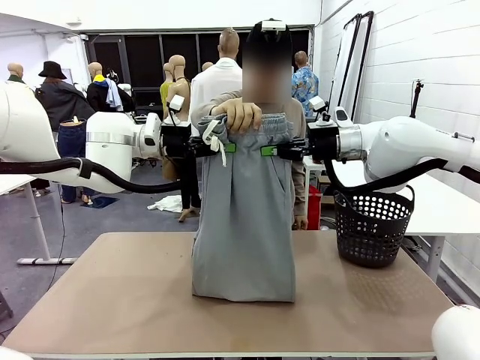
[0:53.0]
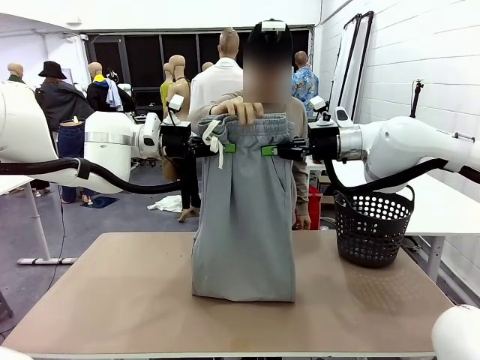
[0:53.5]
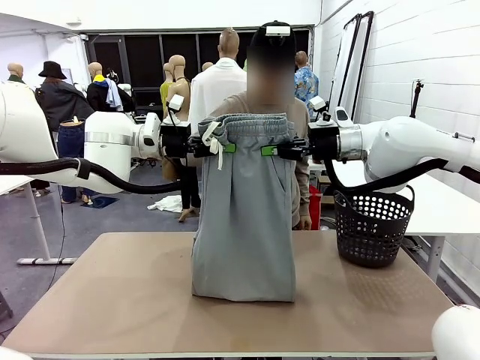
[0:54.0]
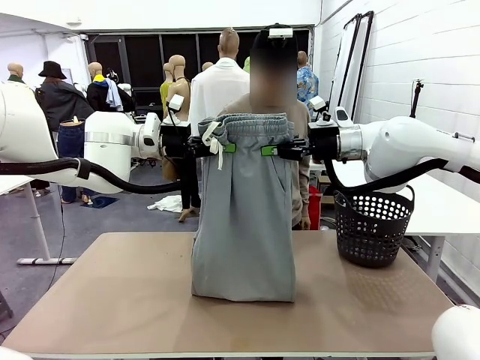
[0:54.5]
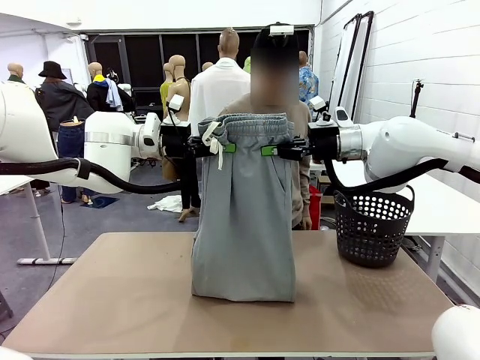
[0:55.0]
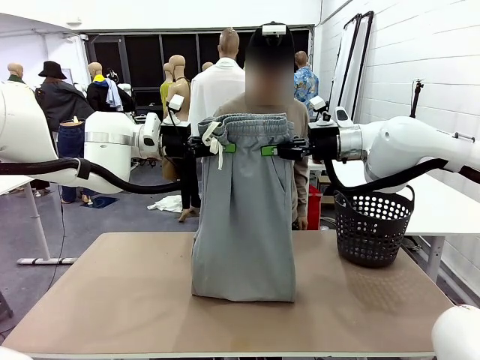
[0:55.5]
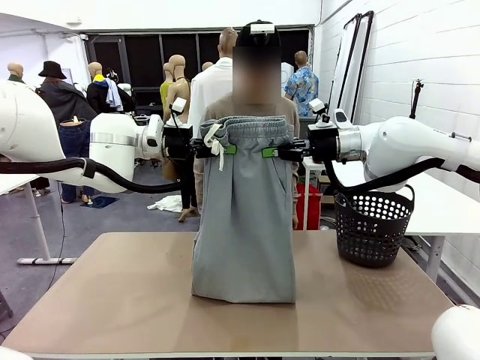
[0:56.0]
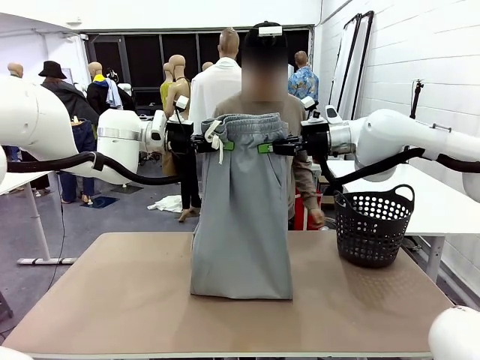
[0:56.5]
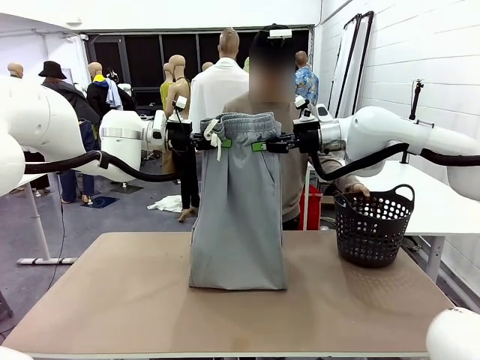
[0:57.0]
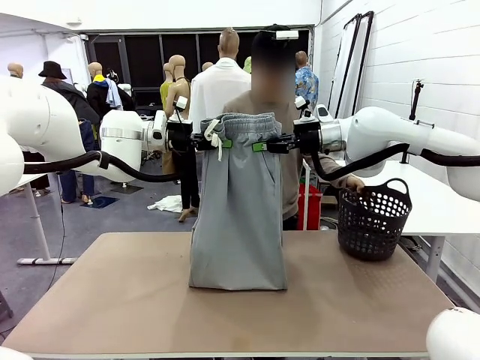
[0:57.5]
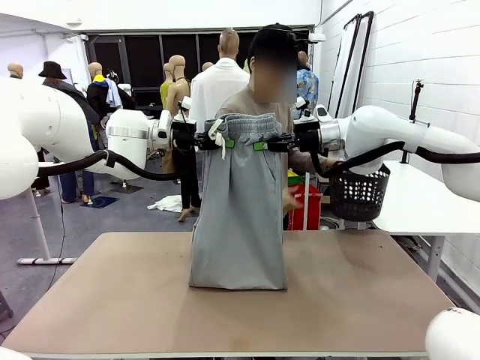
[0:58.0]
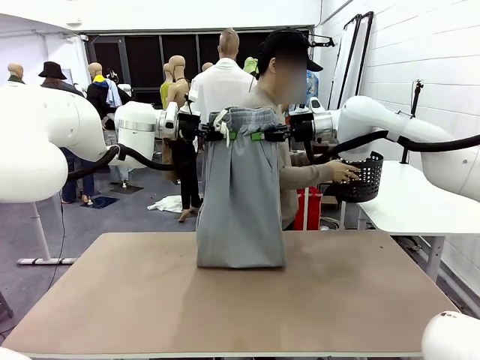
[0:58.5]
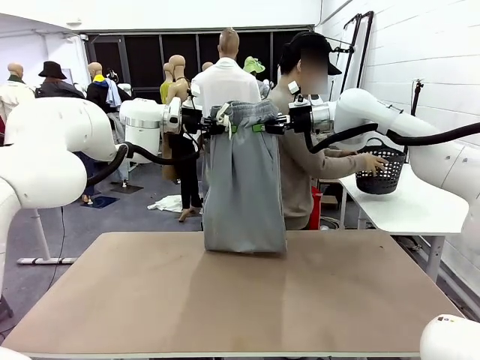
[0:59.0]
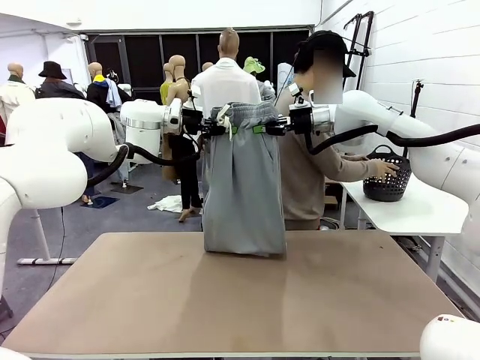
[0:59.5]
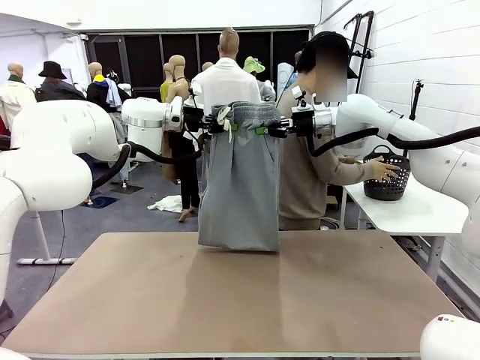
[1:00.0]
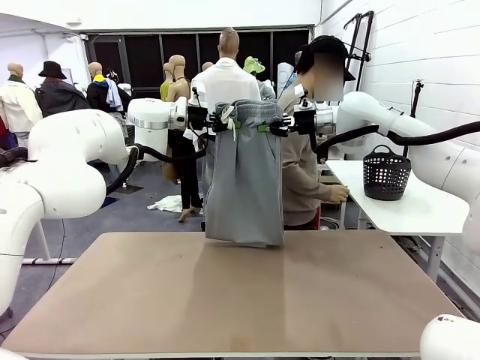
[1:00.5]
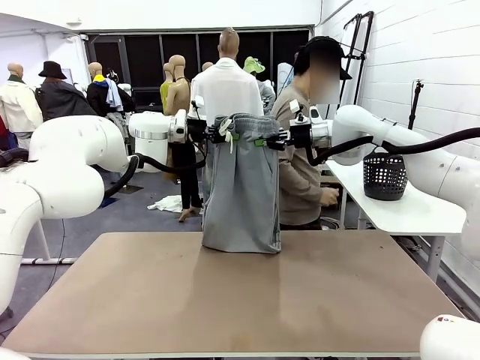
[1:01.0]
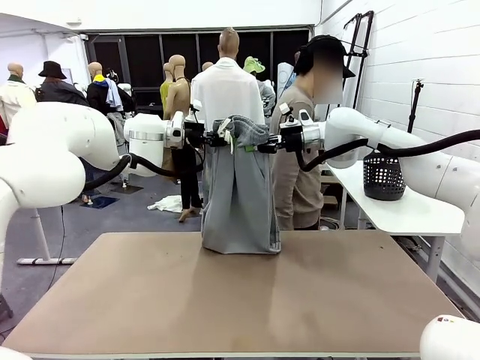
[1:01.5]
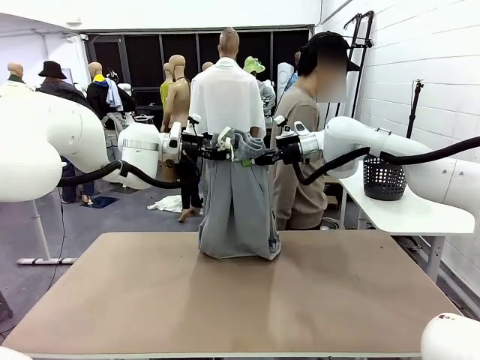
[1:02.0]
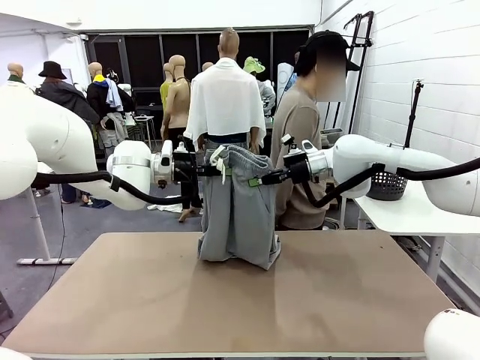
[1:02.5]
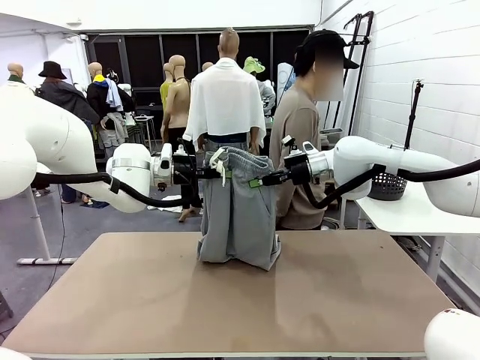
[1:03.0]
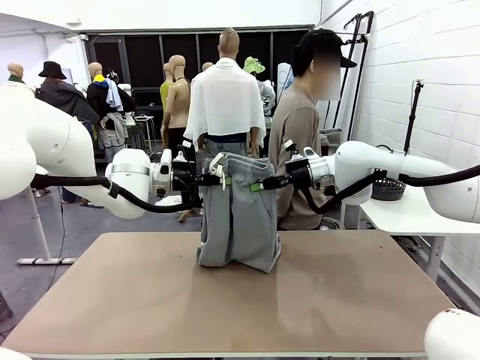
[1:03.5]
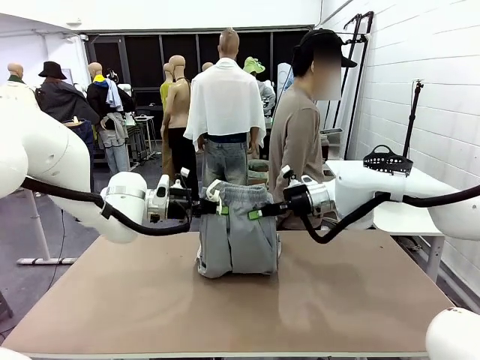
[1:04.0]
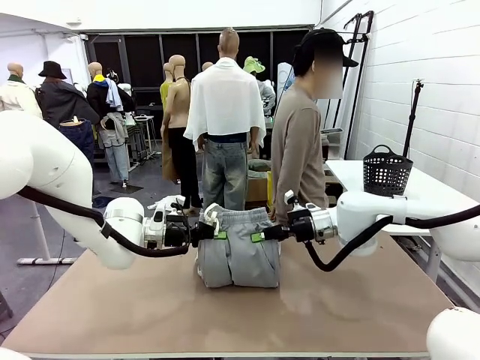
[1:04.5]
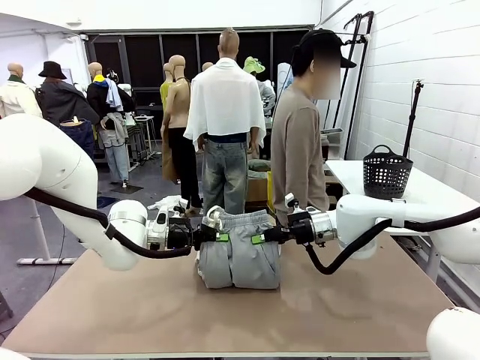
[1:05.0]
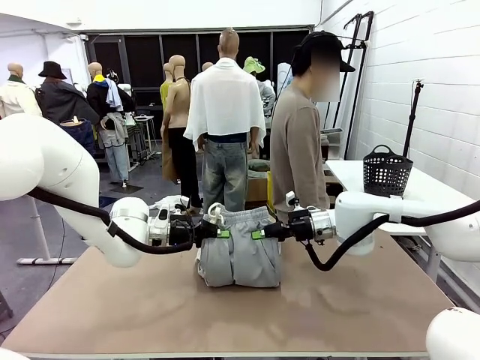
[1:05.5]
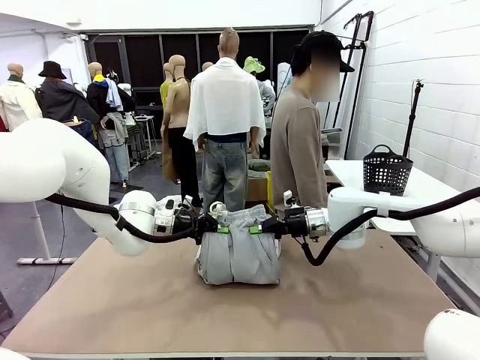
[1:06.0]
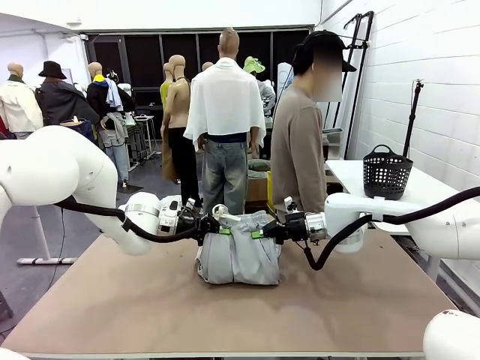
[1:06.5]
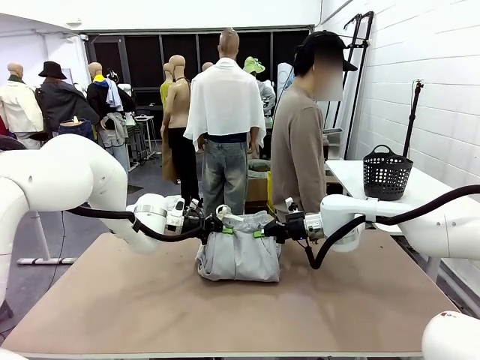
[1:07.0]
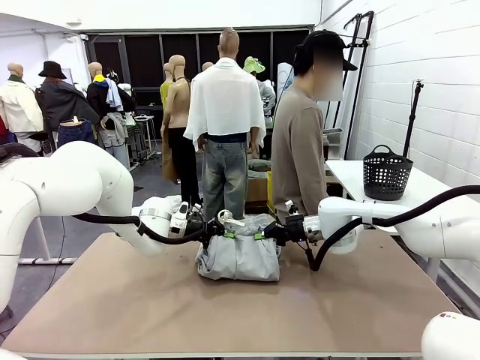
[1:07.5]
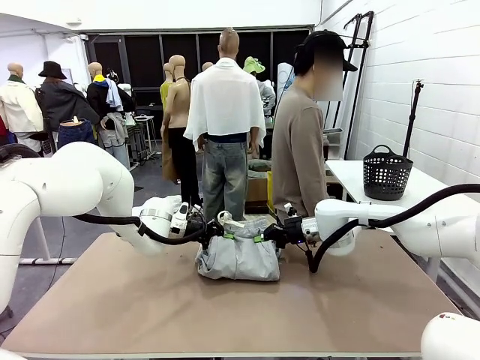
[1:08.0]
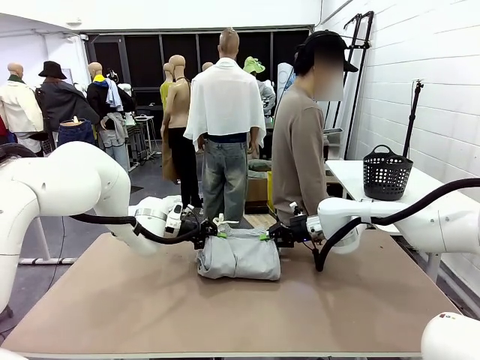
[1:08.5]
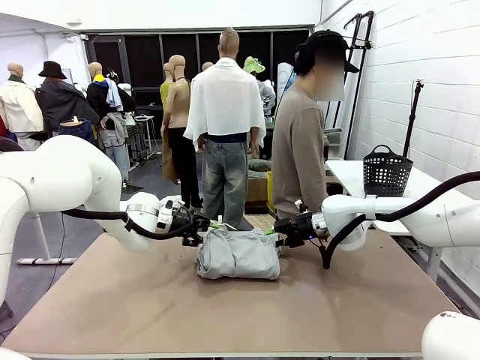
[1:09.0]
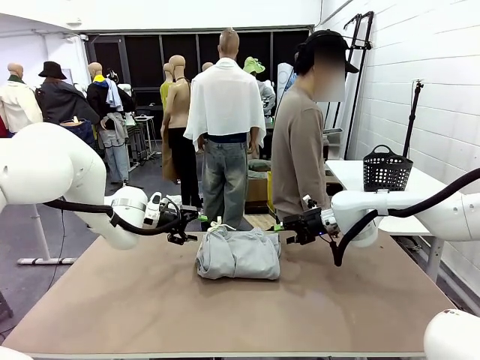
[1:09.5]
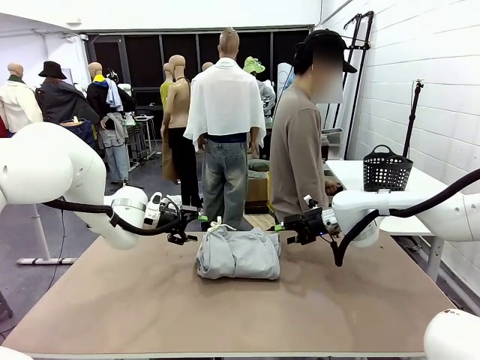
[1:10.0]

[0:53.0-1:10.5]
Task: Fold the training pants.
Robot: Fold the Training pants in half.
Person: Move the laundry basket to the right of the human table.

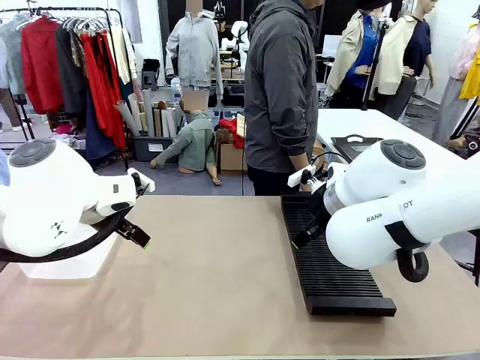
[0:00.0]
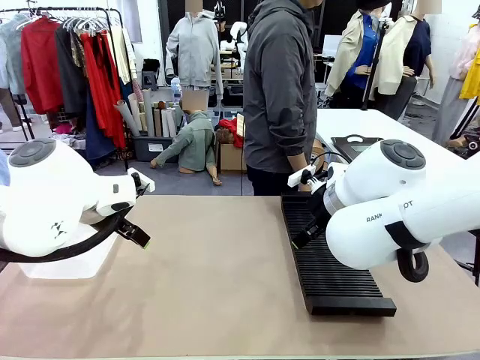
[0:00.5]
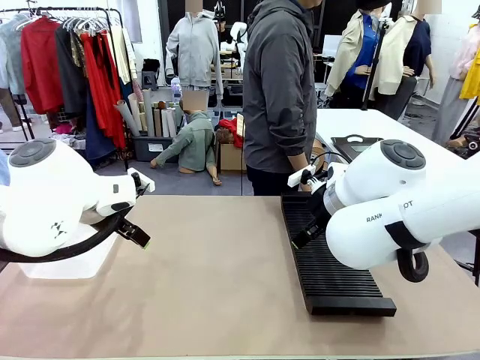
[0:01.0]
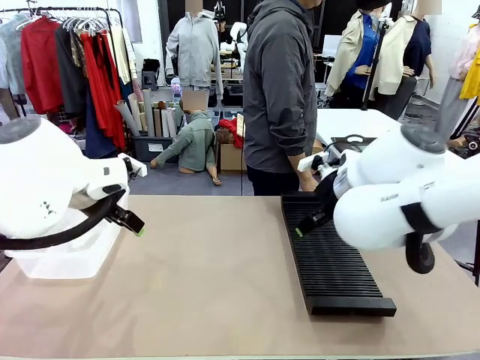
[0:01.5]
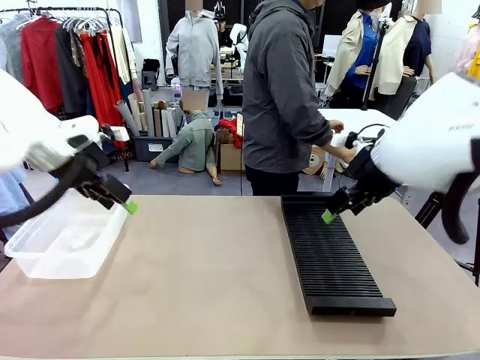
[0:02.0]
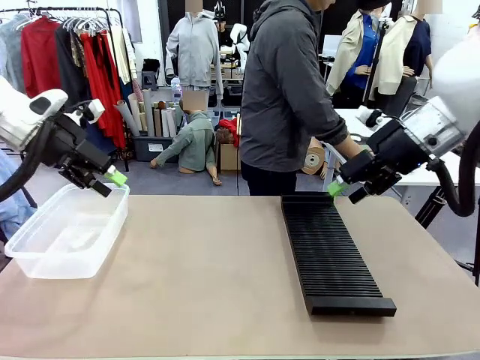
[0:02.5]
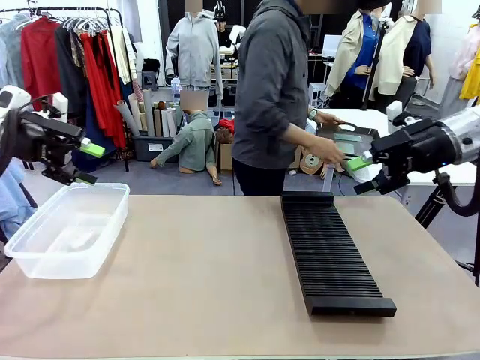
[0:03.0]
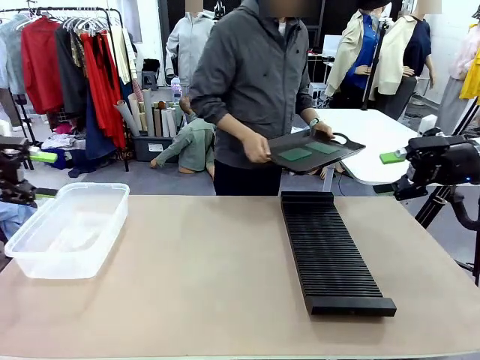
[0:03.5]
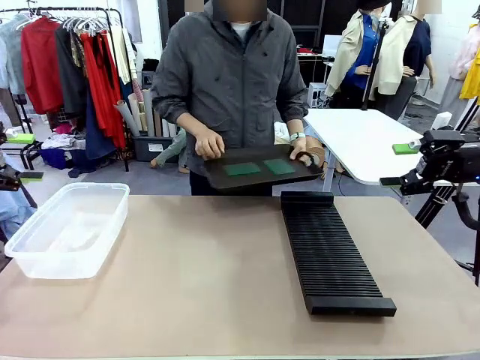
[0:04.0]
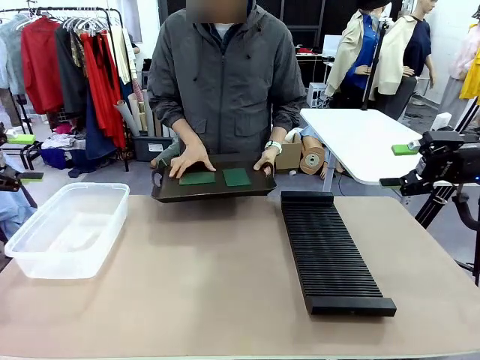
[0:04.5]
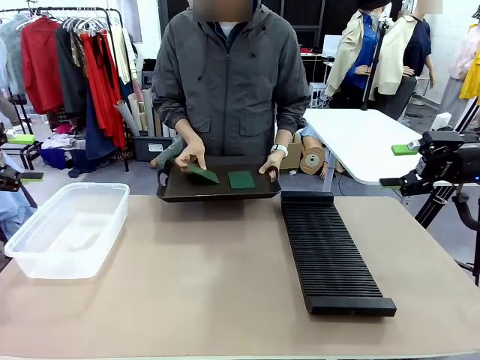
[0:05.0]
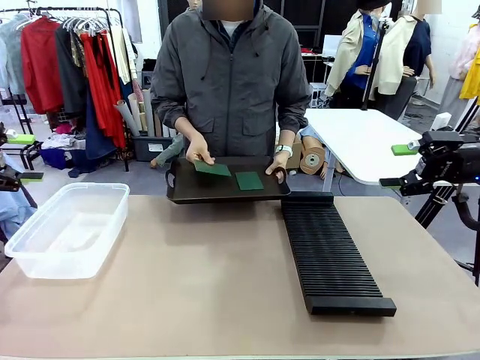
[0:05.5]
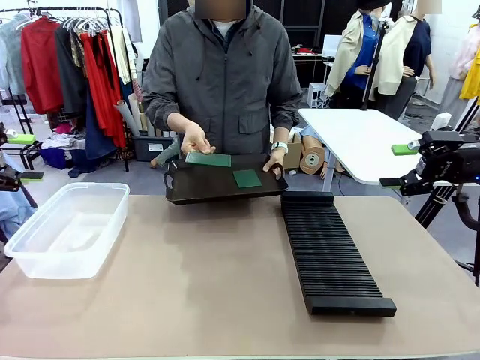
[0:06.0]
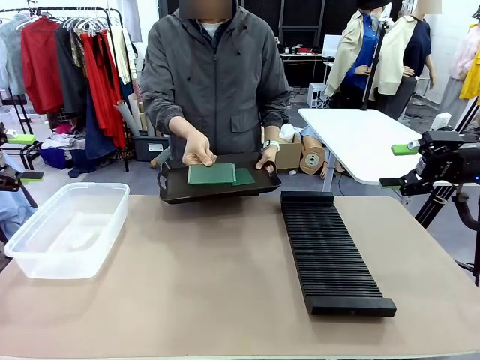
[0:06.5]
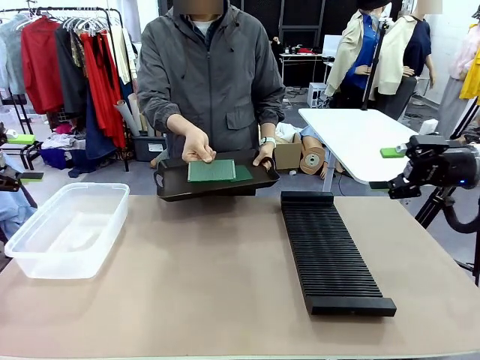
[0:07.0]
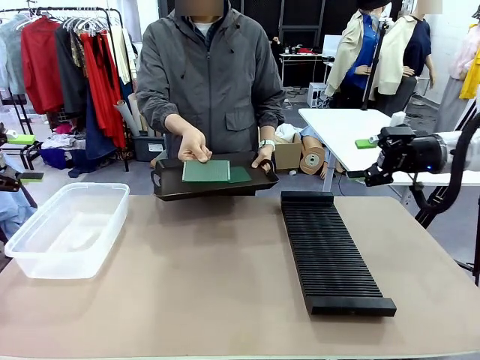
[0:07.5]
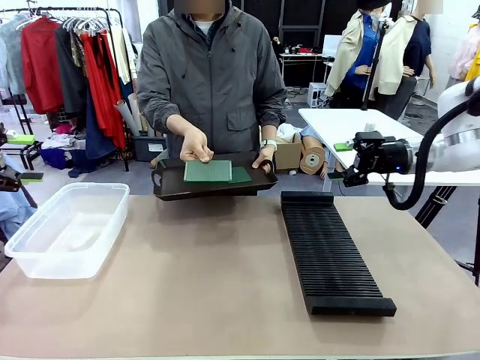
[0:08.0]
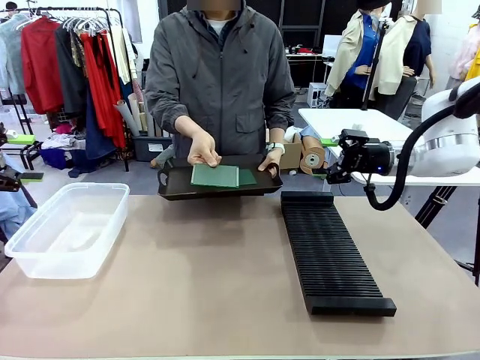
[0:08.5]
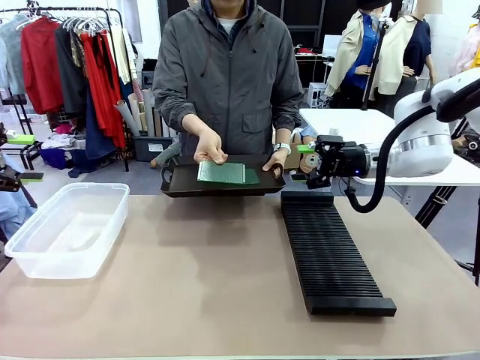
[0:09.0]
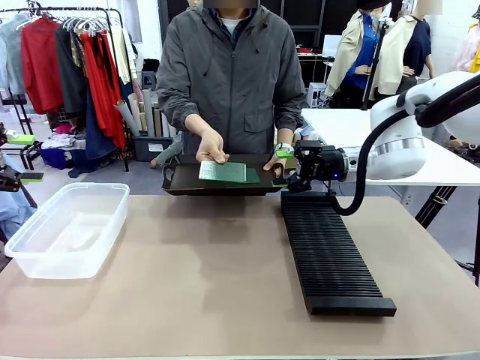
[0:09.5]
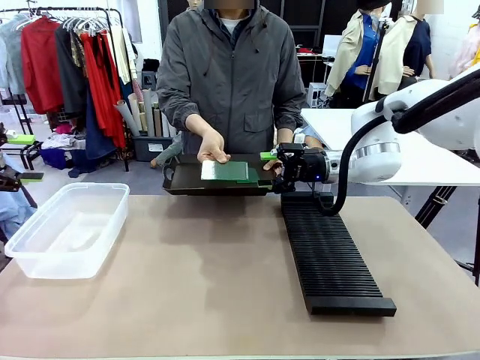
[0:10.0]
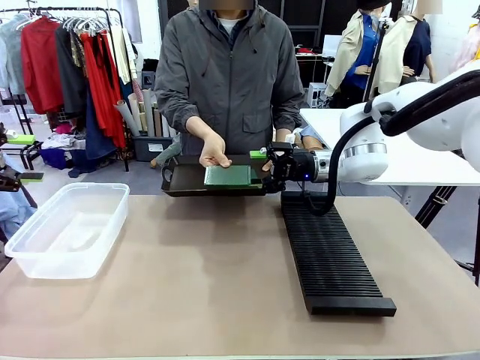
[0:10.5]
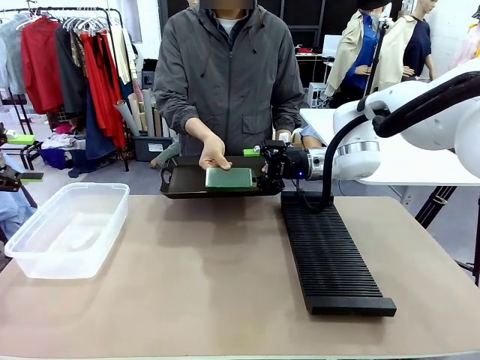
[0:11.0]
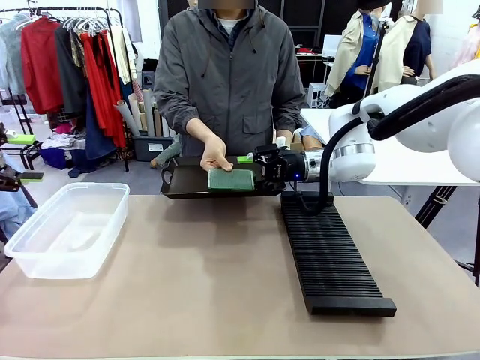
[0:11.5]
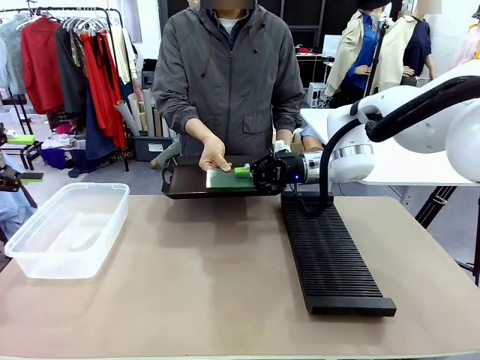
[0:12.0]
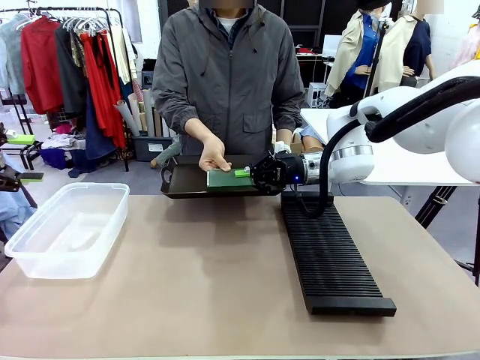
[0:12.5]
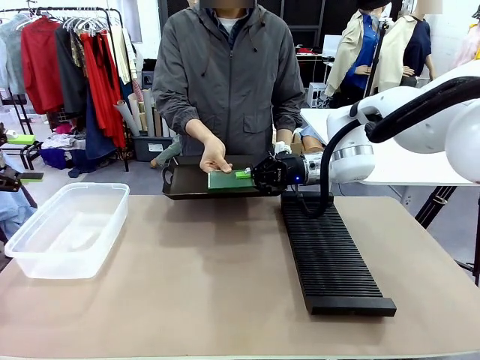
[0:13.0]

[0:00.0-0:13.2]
Task: Sort PCBs into racks and boxes based on the side picked up.
Robot: Pick up the Blank PCB handed by the Human.
Person: Pick one PCB from the tray and present it to the robot. Release the PCB being held.
